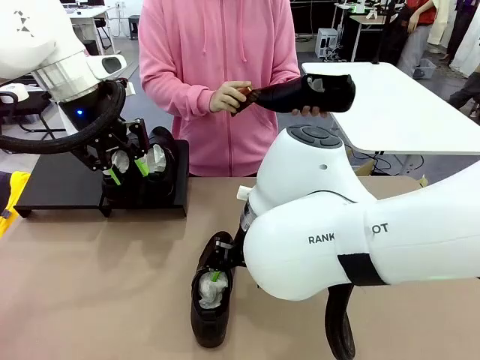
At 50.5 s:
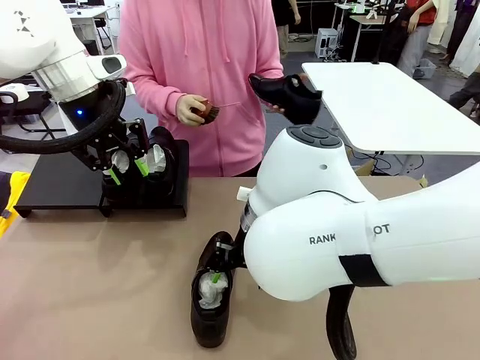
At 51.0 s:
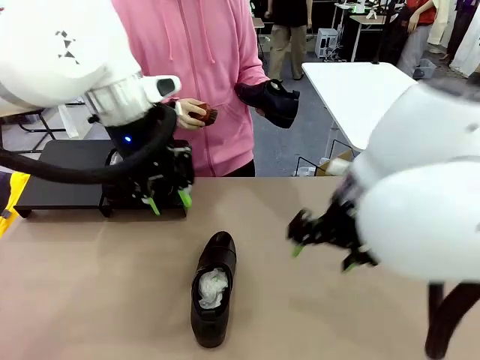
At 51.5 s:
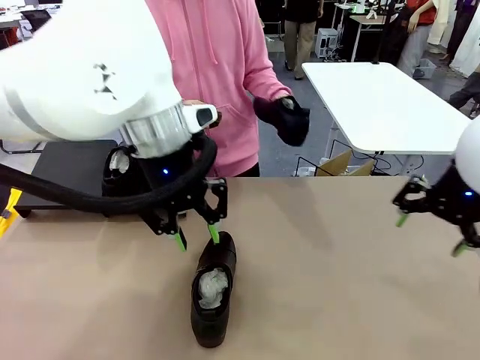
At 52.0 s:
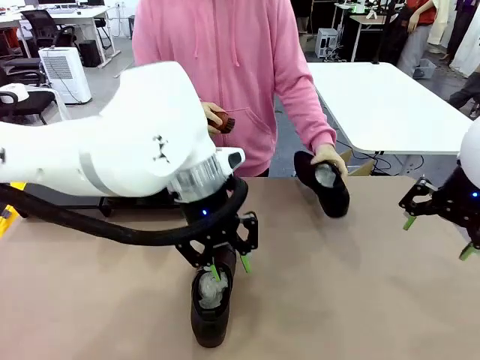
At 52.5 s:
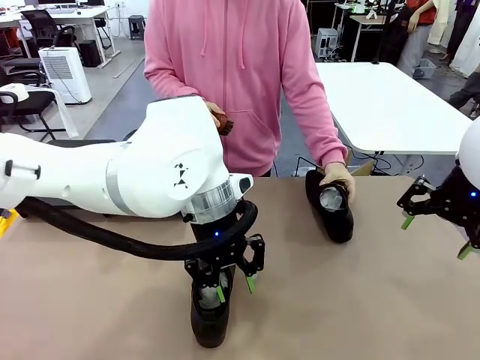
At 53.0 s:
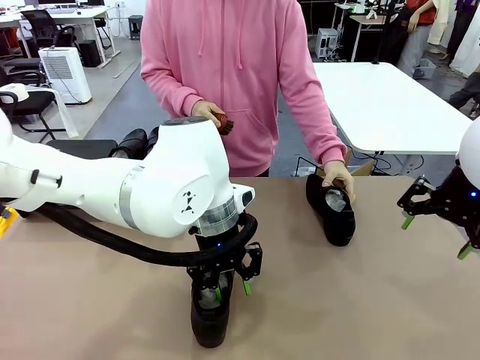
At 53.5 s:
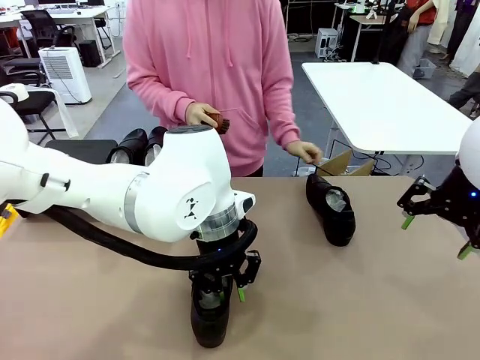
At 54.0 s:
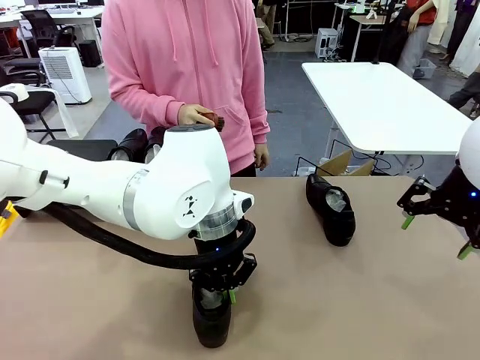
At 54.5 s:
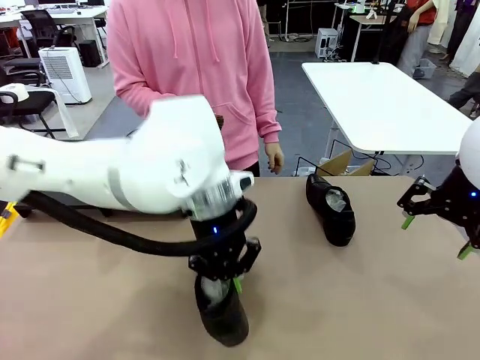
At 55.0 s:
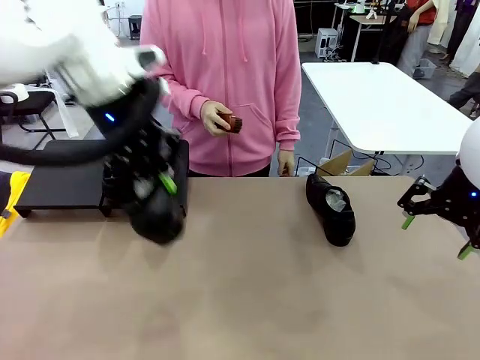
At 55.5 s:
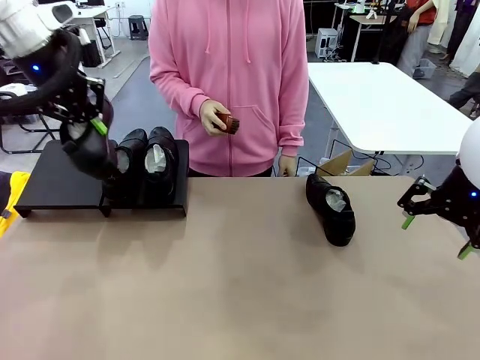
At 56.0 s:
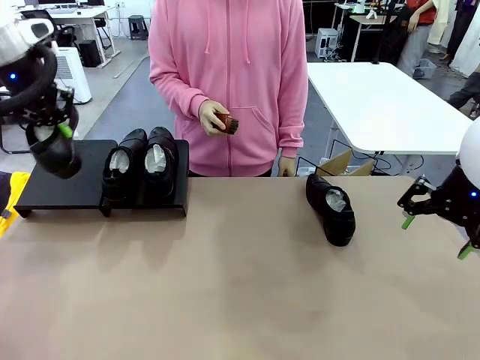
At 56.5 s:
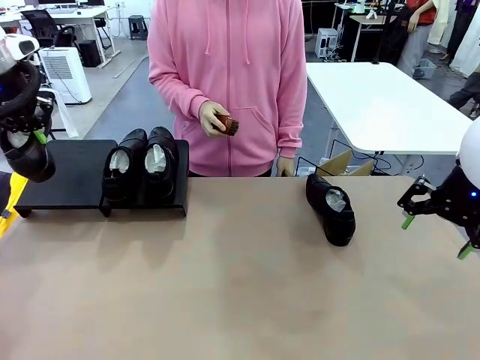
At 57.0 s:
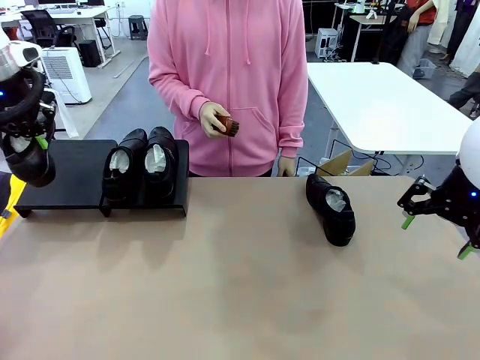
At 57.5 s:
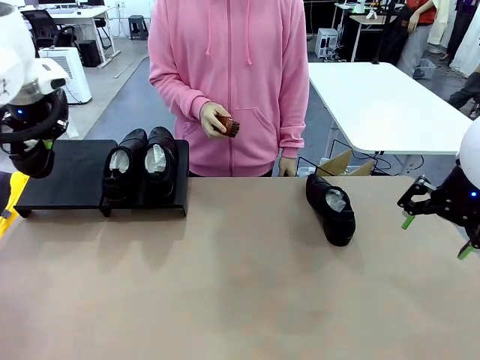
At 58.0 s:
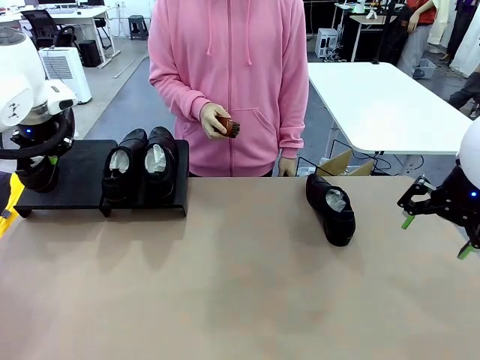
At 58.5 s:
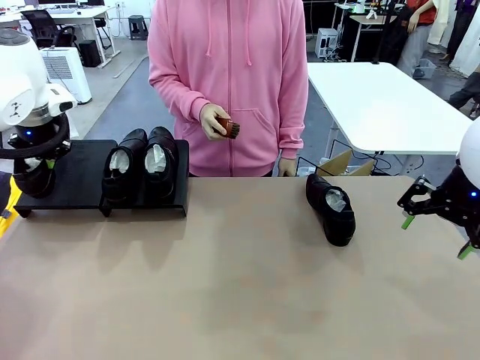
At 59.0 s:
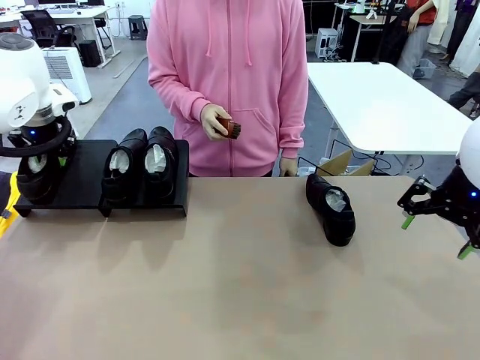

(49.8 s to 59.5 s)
Task: Organize the shoes by placing them on the stand.
Robot: Place the Shoe from the middle of the table onto the Shoes Stand.

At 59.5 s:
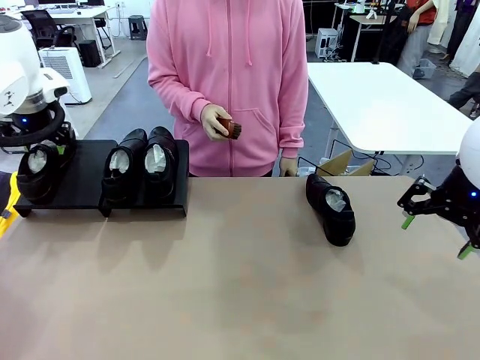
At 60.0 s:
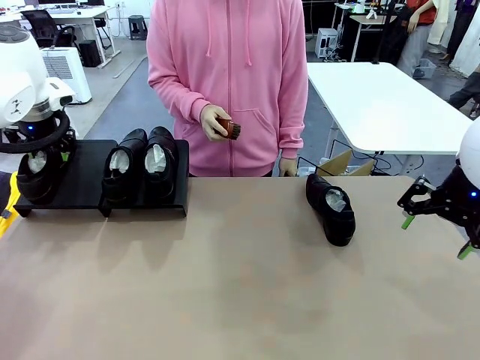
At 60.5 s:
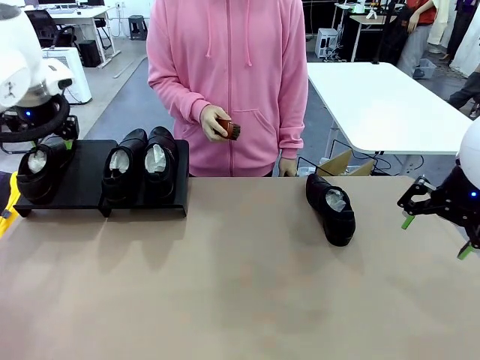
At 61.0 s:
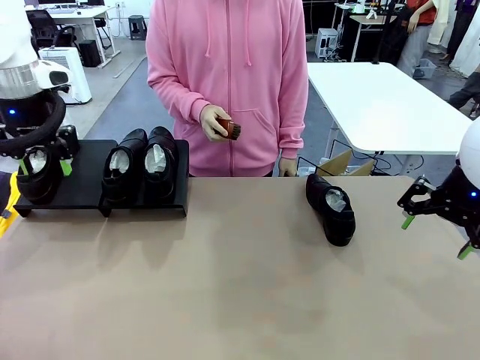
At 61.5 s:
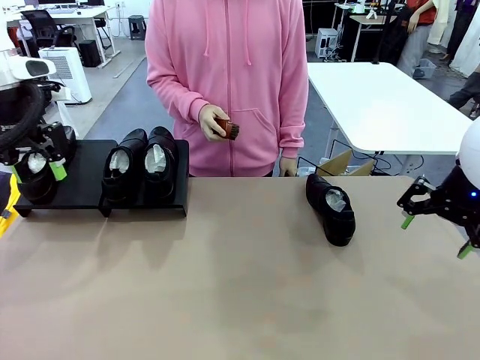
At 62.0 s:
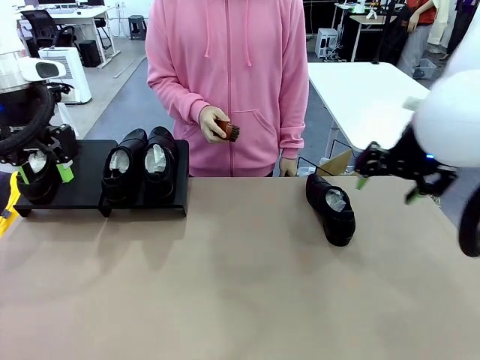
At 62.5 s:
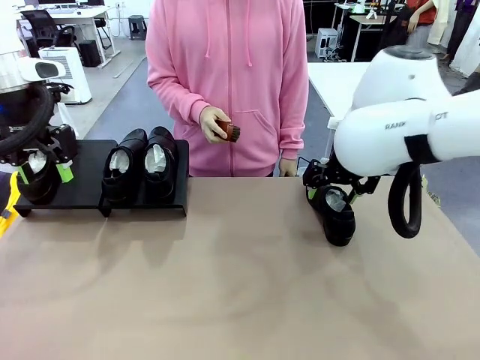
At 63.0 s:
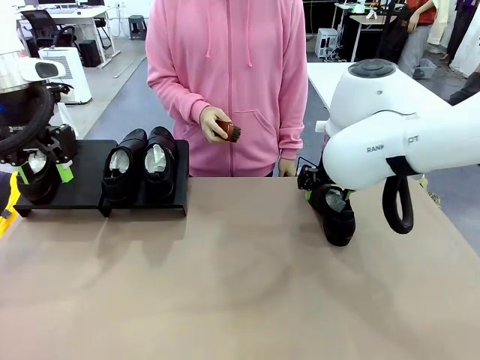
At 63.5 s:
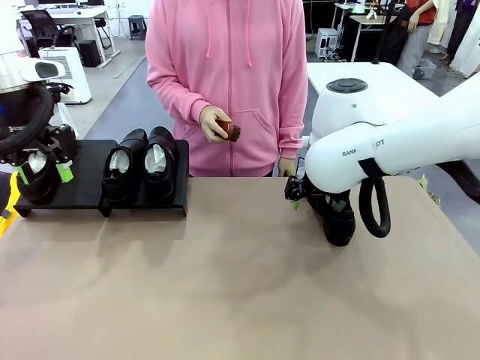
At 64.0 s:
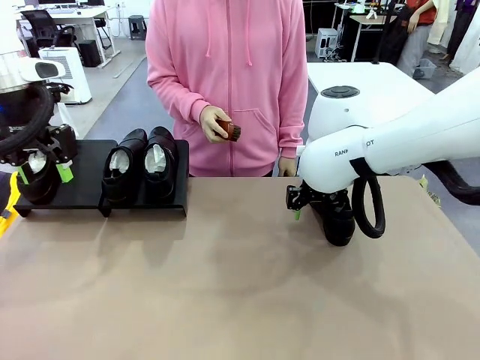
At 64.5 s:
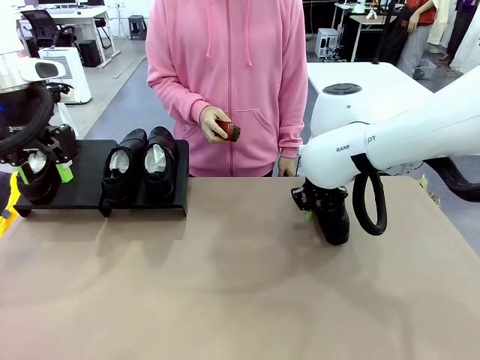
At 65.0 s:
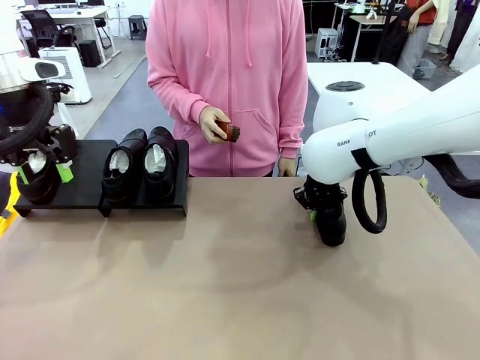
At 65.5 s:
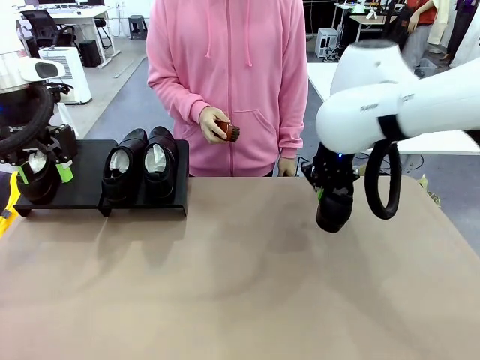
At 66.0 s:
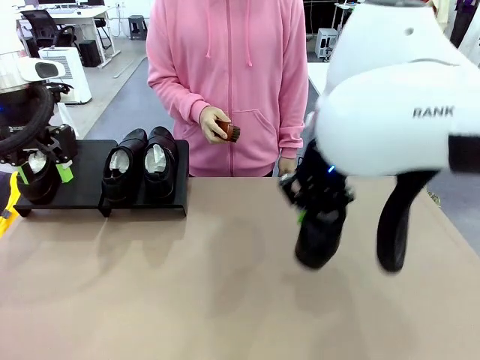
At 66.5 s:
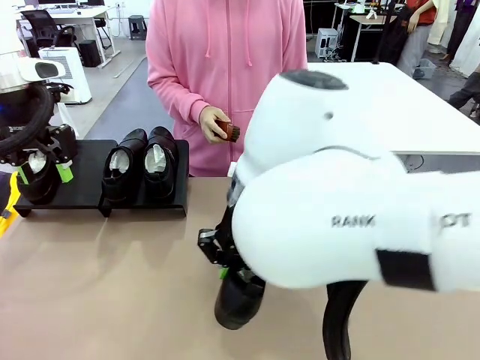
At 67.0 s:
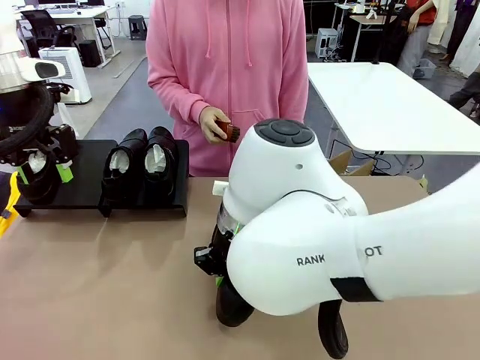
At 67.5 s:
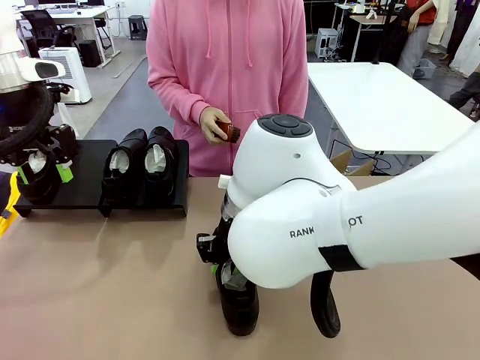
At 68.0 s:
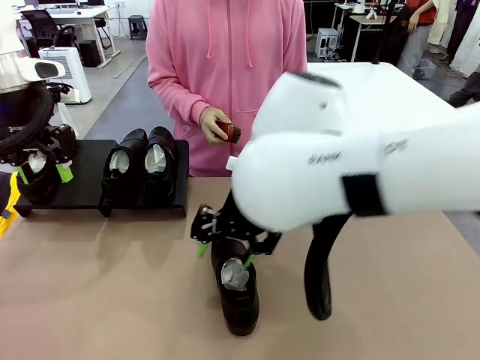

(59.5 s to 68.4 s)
Robot: Pick up one Shoe and place it in the middle of the table.

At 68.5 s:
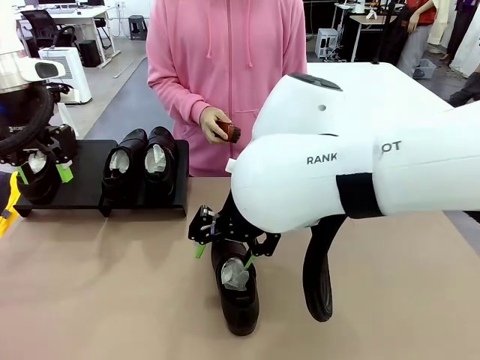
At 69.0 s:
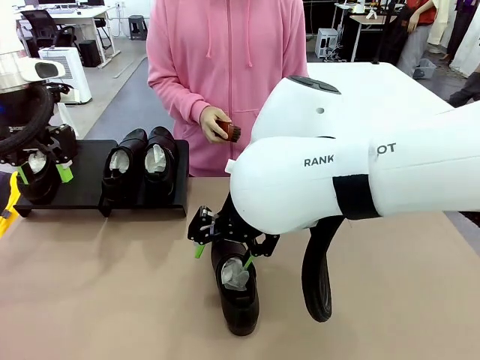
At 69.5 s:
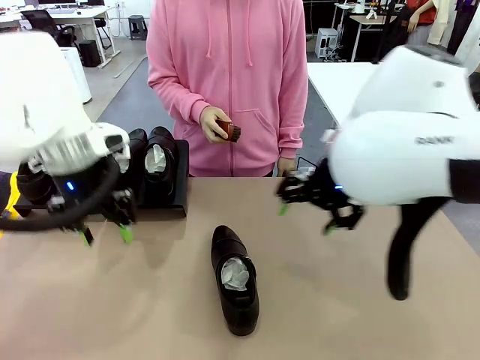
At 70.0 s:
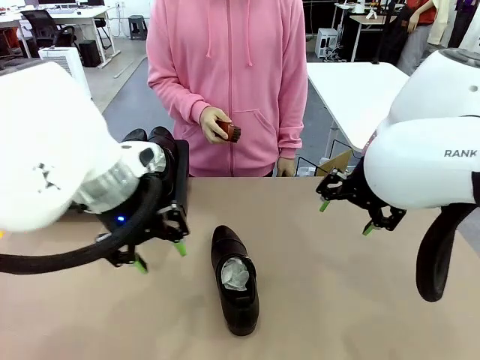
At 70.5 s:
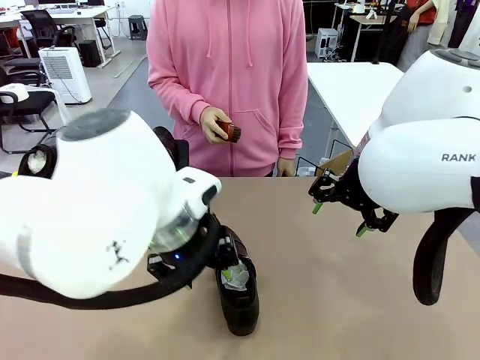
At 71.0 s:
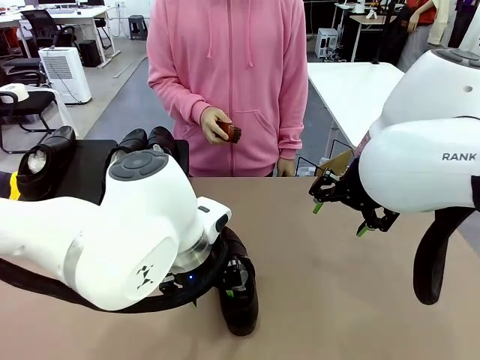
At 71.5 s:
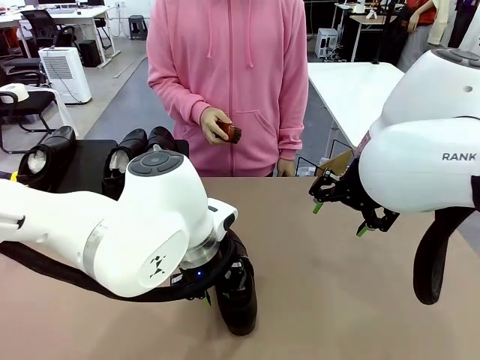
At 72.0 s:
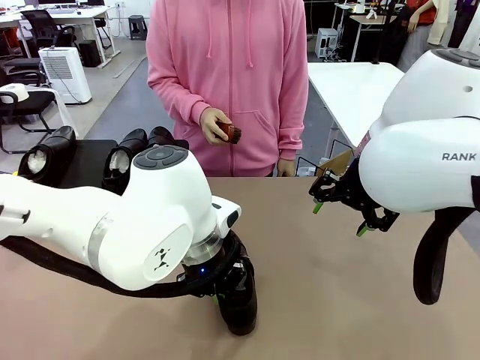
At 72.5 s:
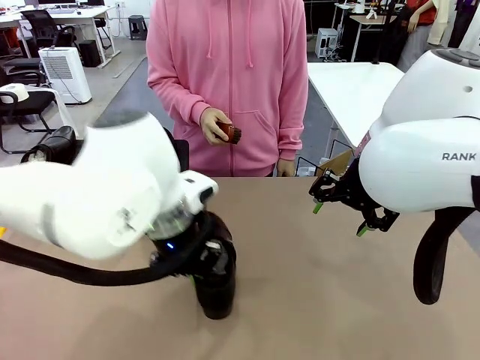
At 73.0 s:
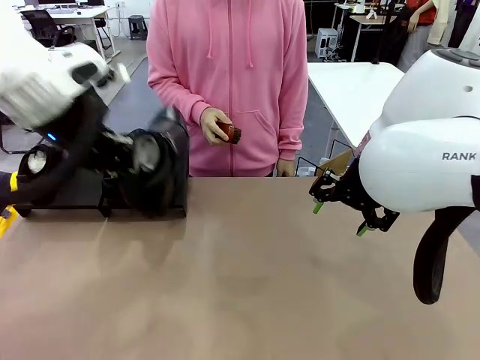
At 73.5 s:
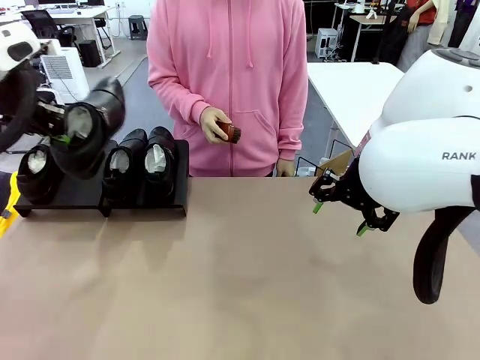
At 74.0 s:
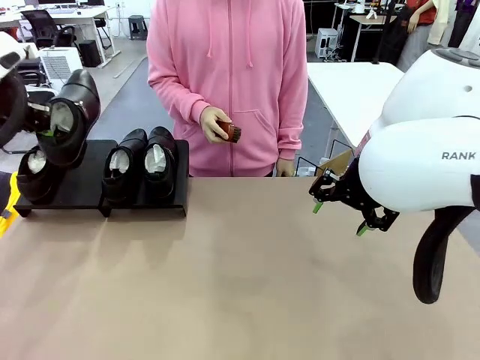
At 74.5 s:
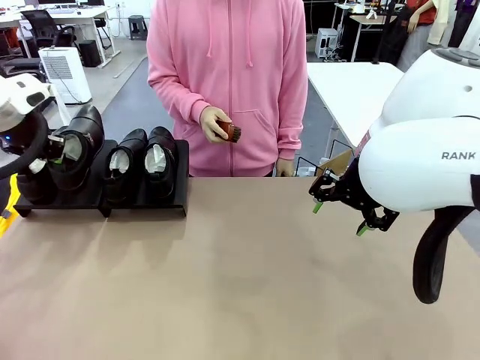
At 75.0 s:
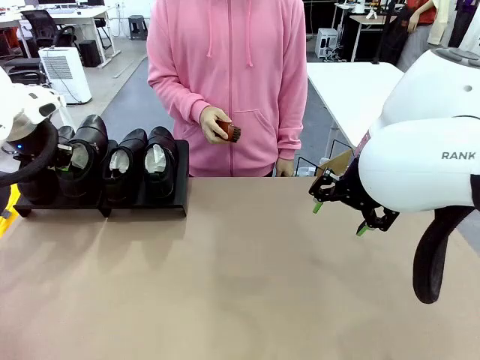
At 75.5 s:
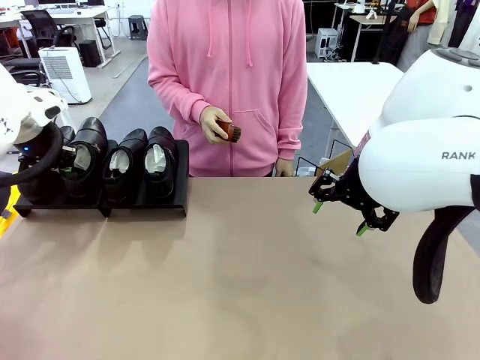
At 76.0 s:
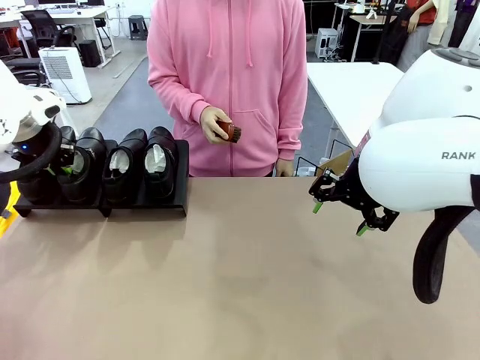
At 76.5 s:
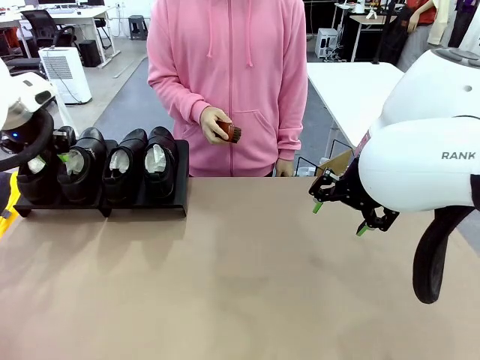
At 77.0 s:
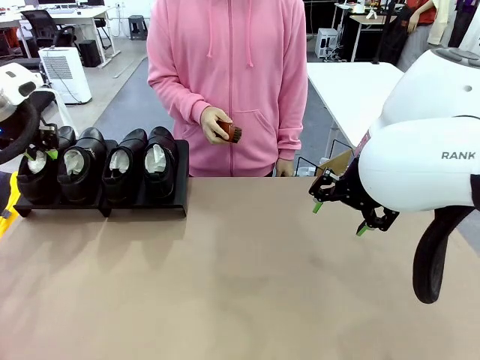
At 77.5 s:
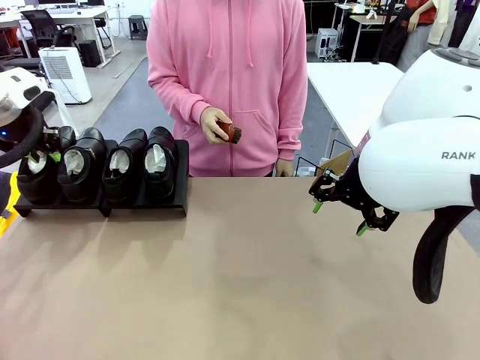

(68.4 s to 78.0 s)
Robot: Place the Shoe from the middle of the table onto the Shoes Stand.
